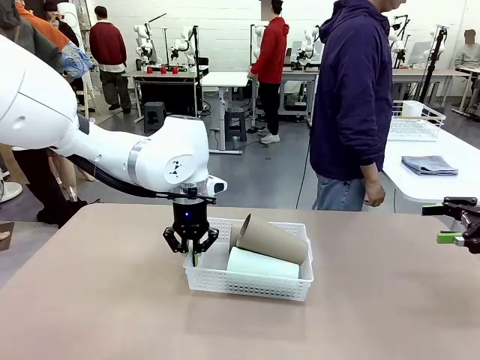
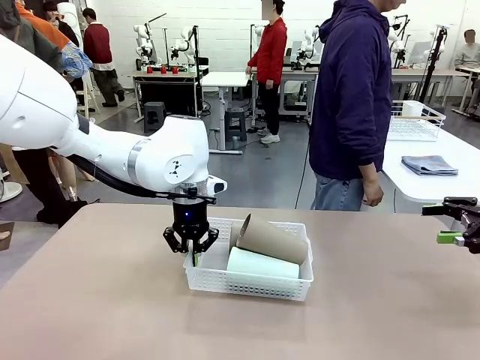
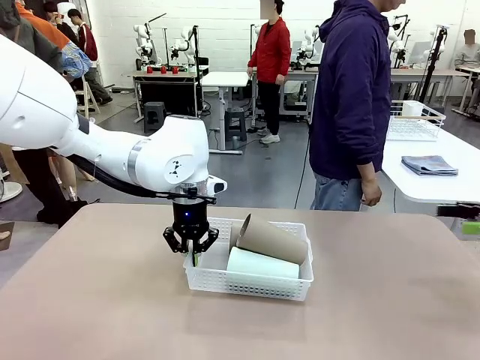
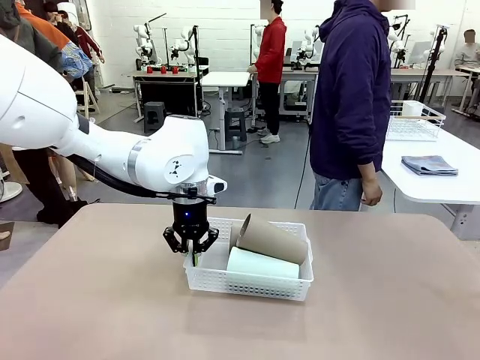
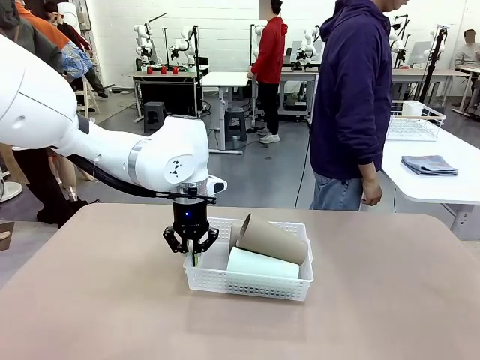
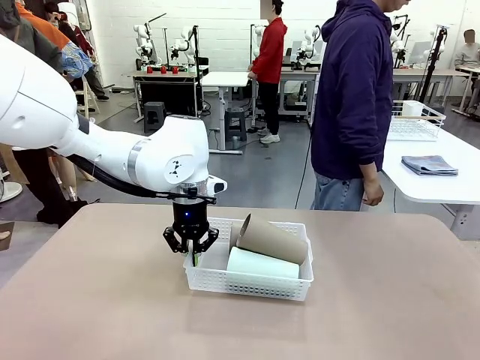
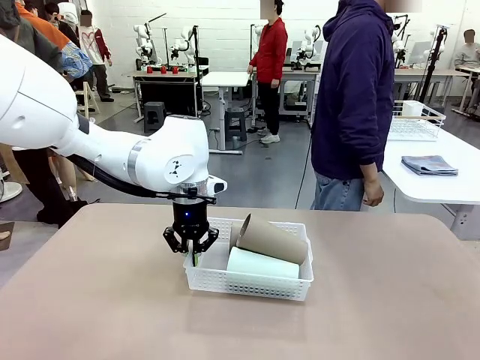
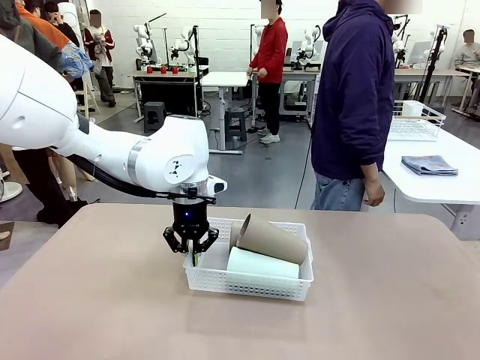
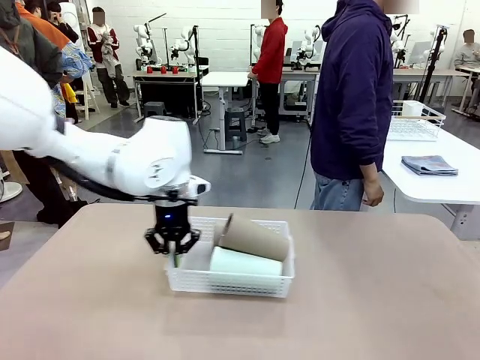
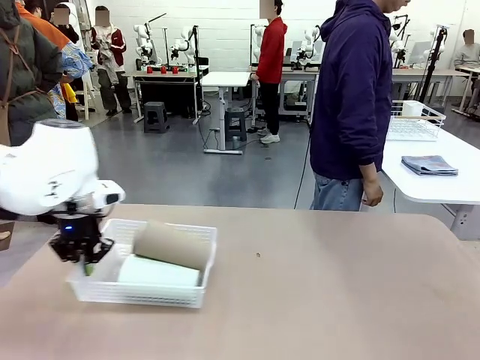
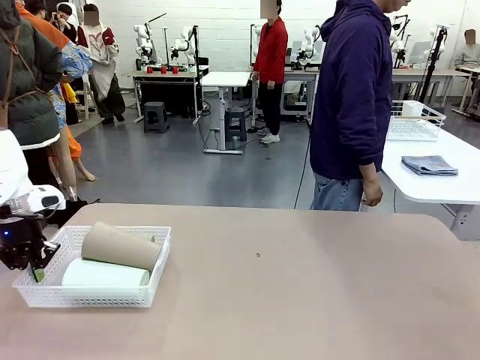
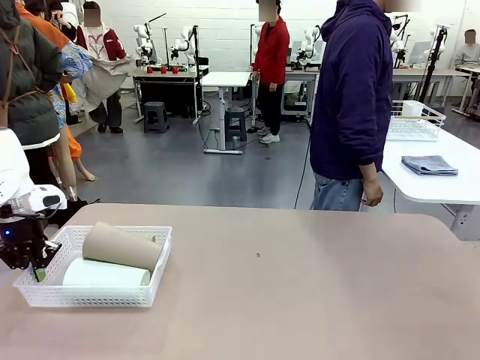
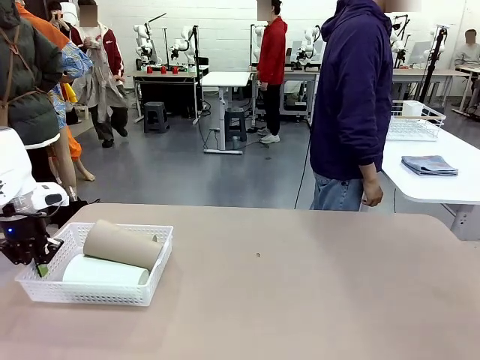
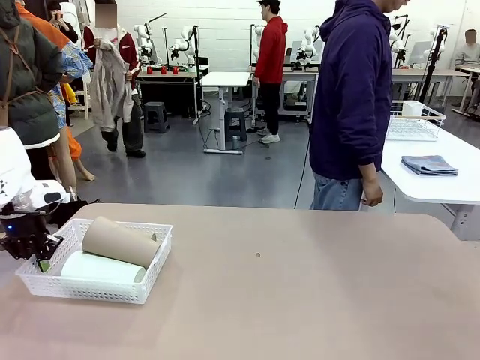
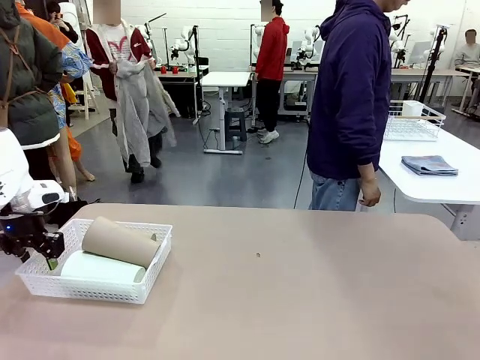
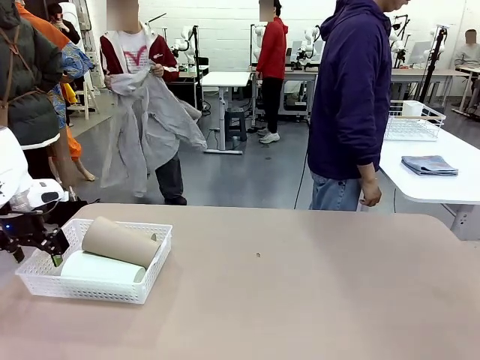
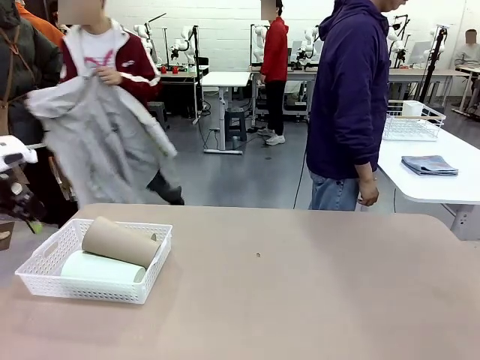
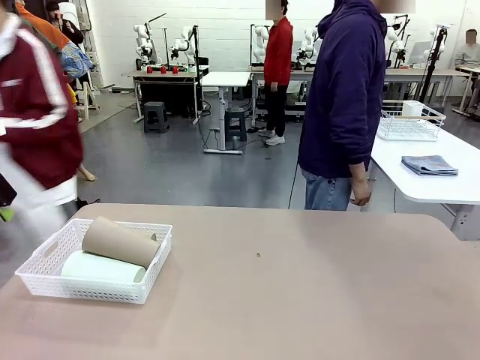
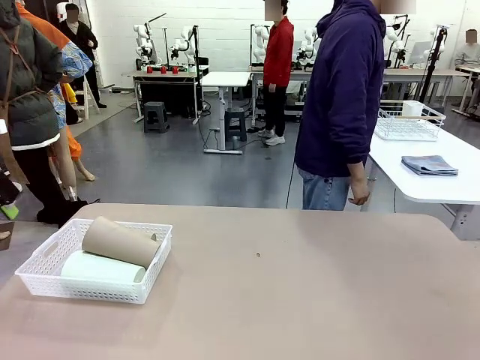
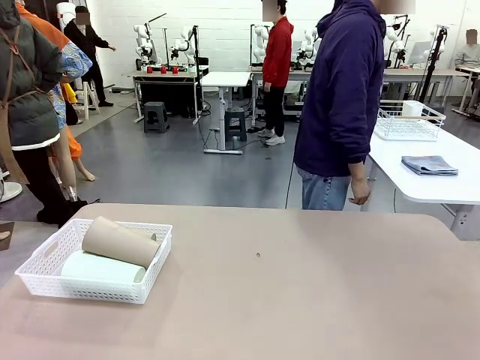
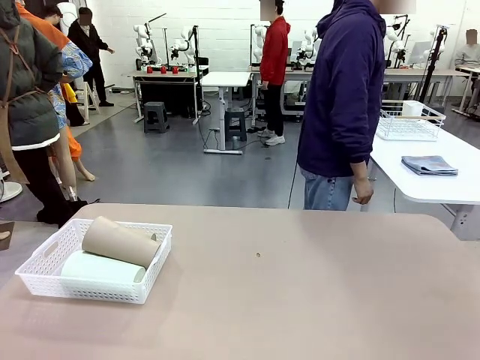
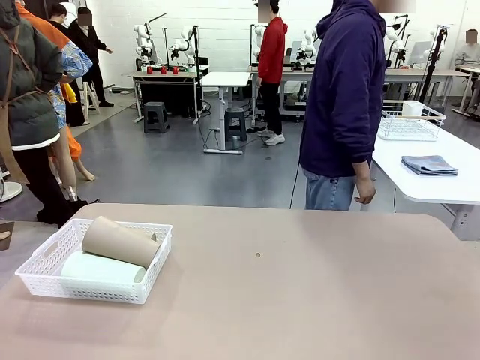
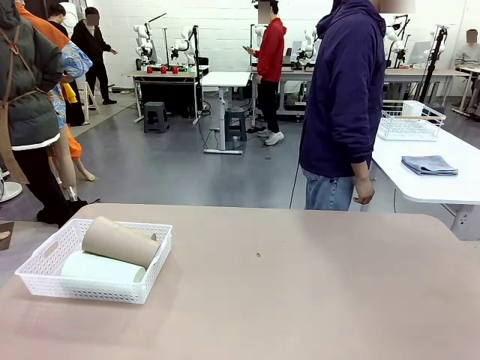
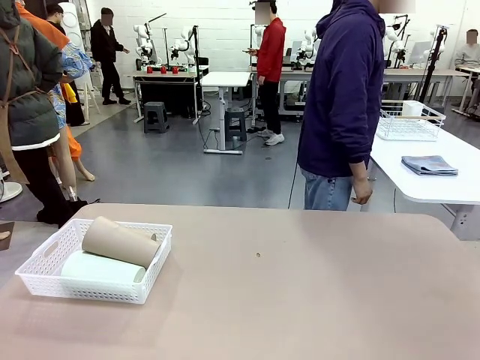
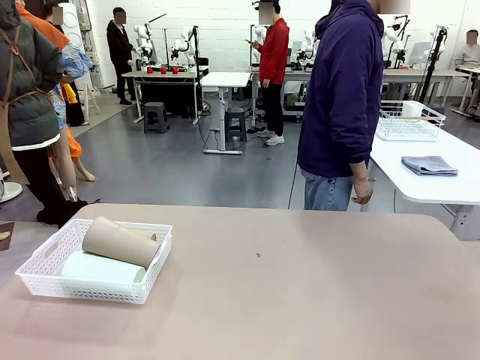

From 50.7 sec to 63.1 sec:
Task: Clean and organize the cups into the basket.
Robot: Move the Organizing basket back to the left side of the table.
Person: Folds the towel in half twice and places it in the right of the table.

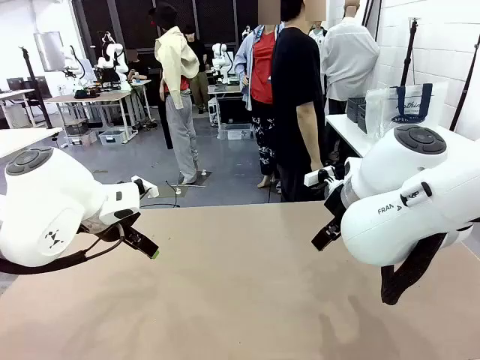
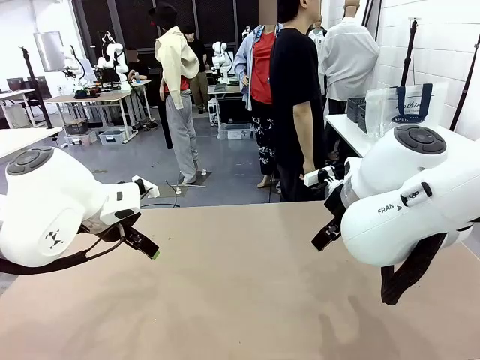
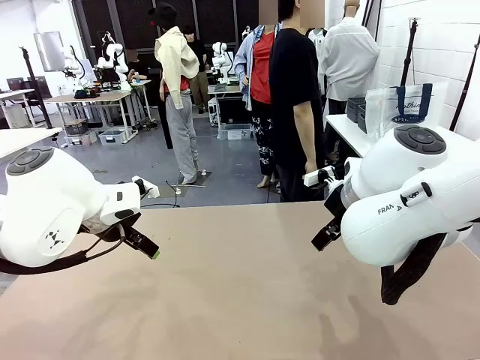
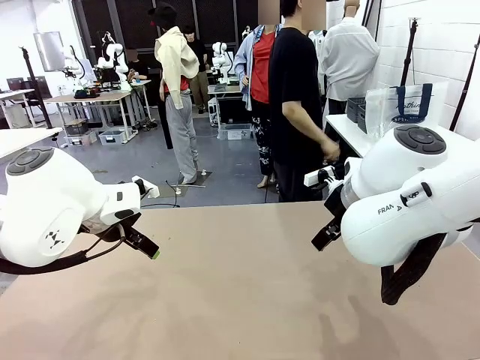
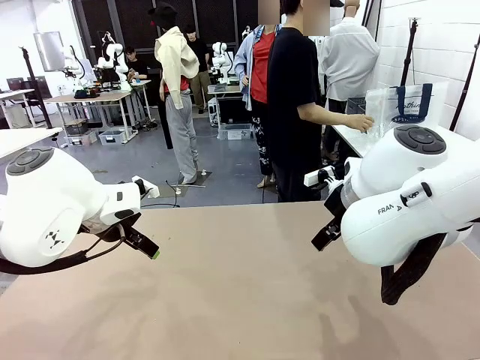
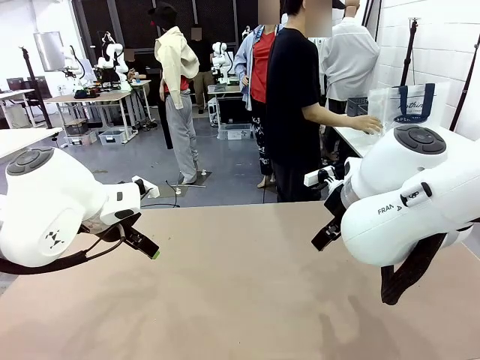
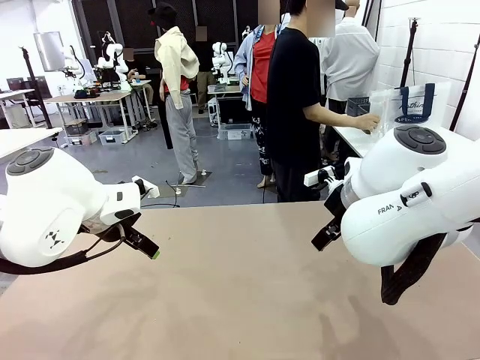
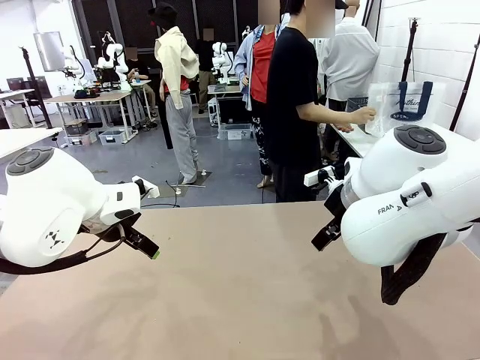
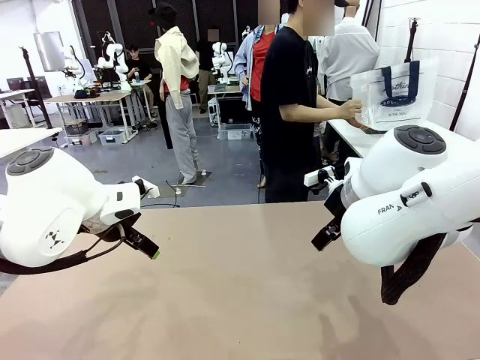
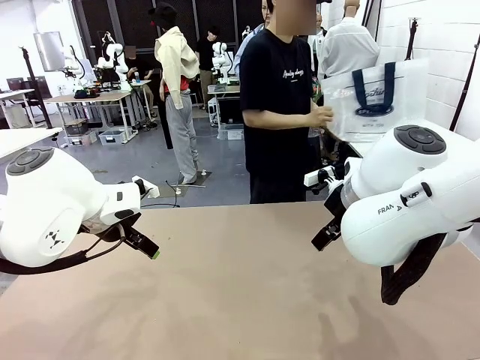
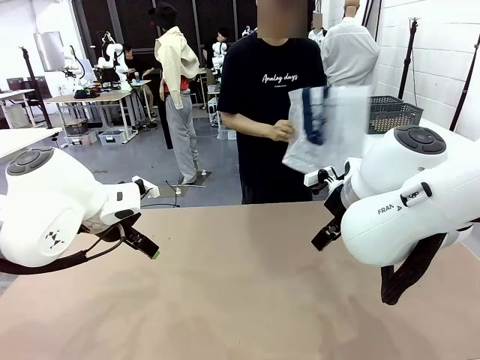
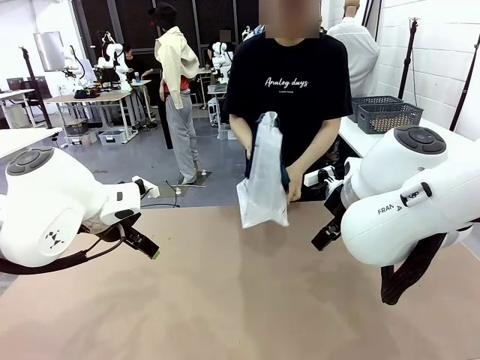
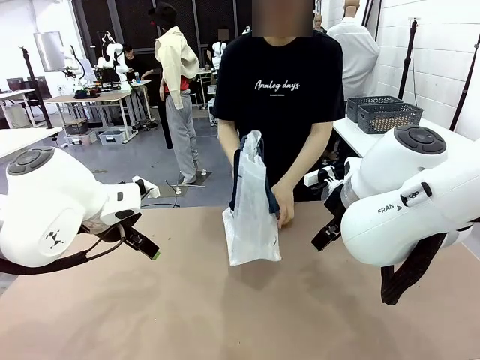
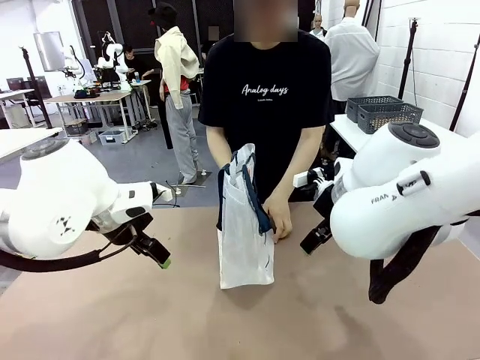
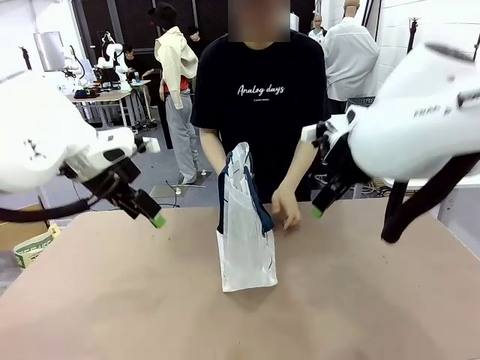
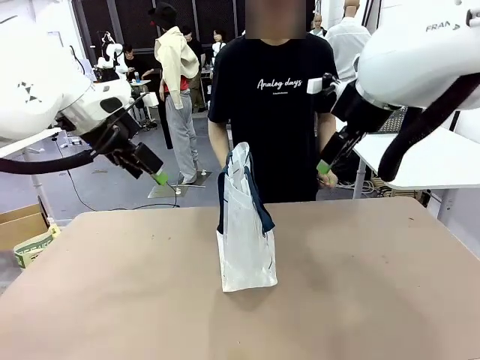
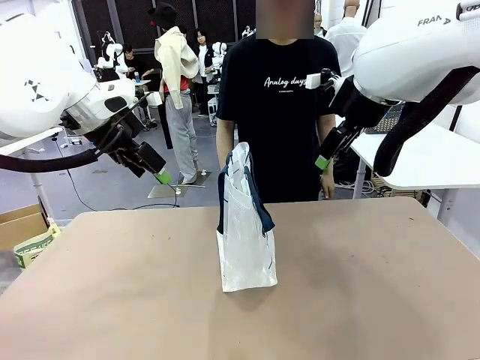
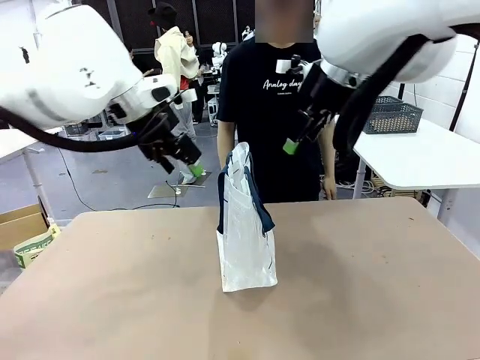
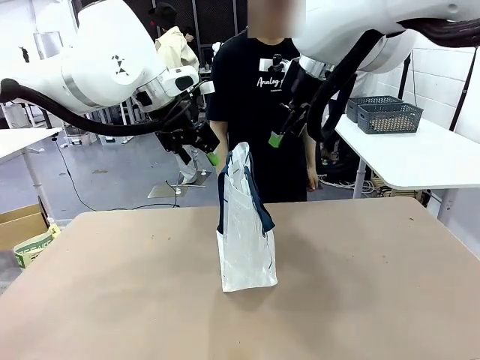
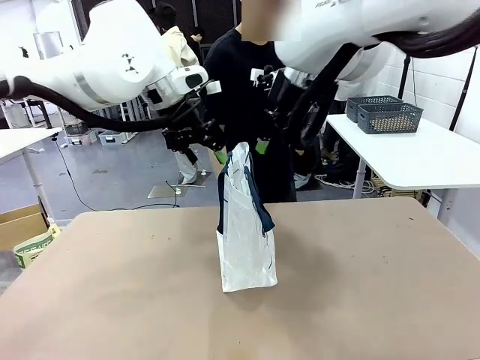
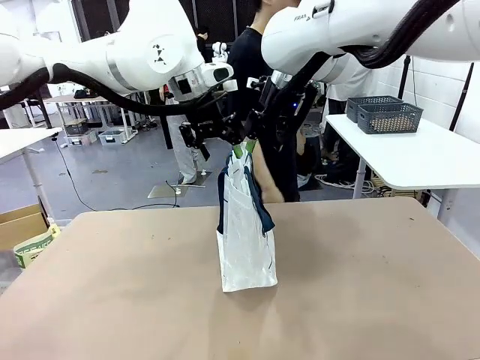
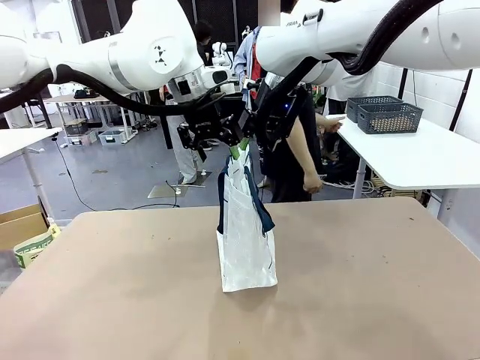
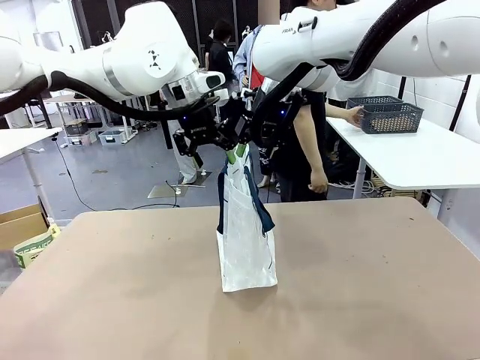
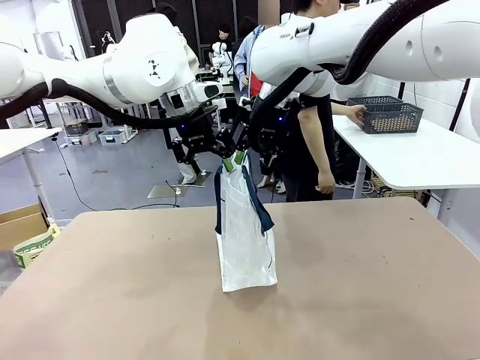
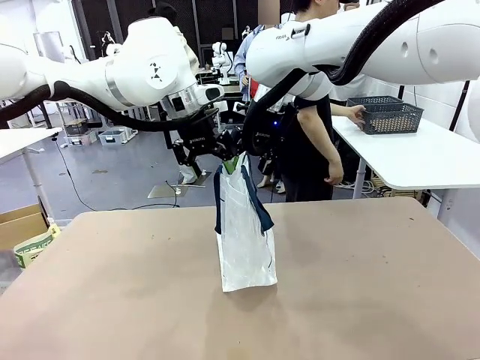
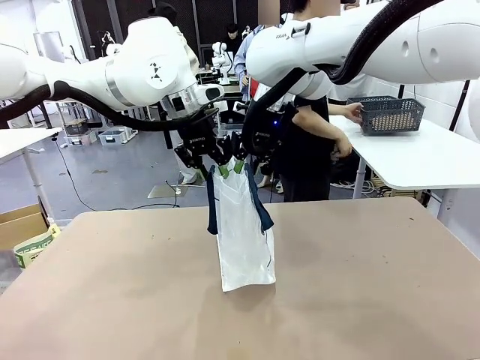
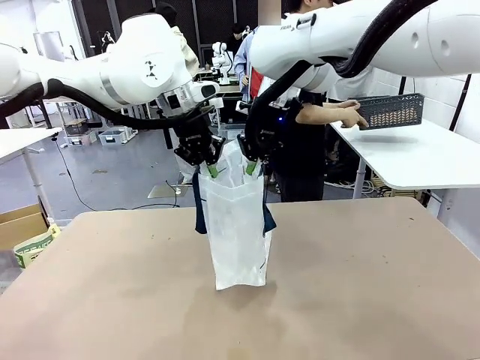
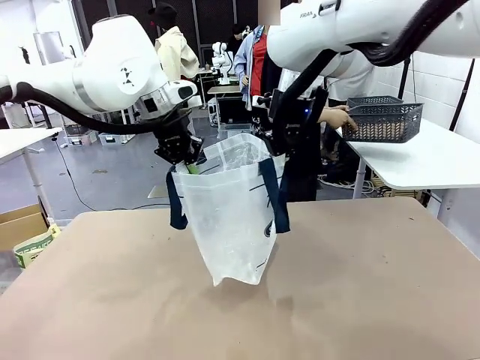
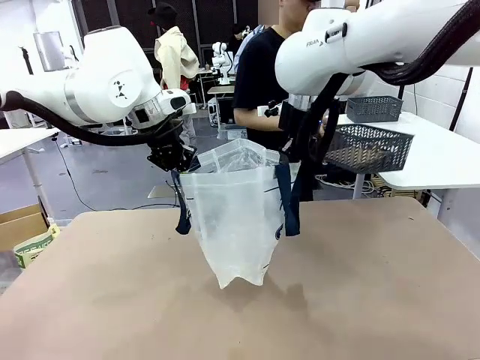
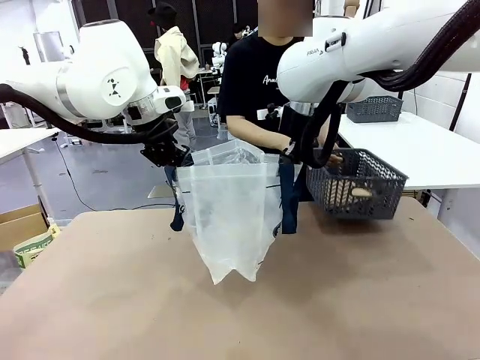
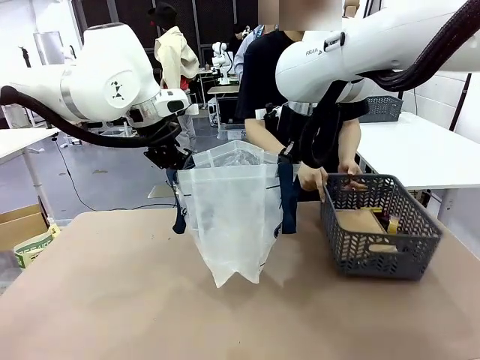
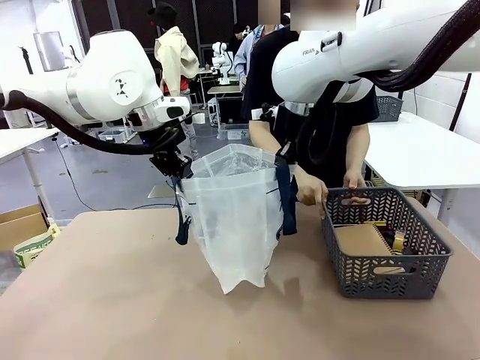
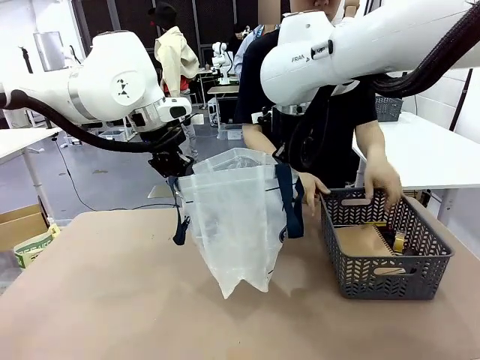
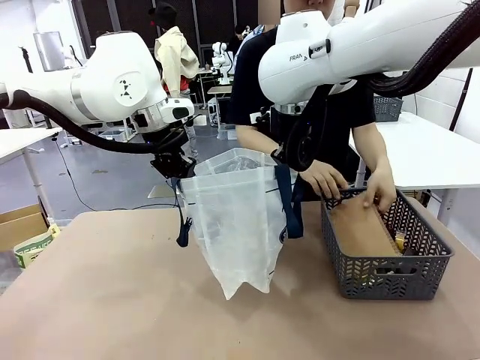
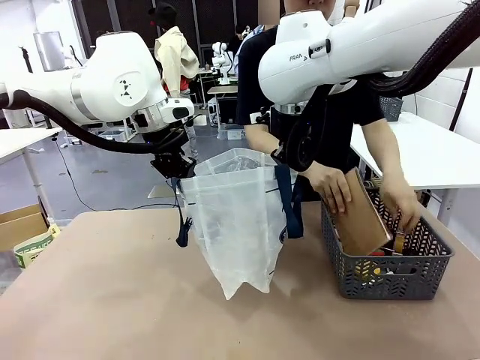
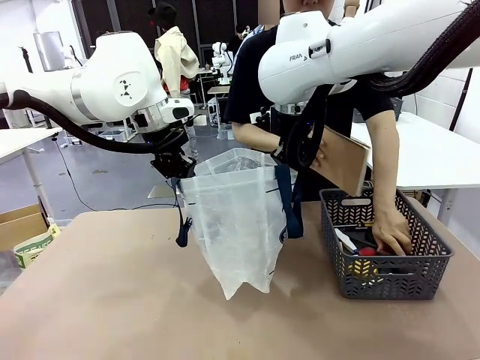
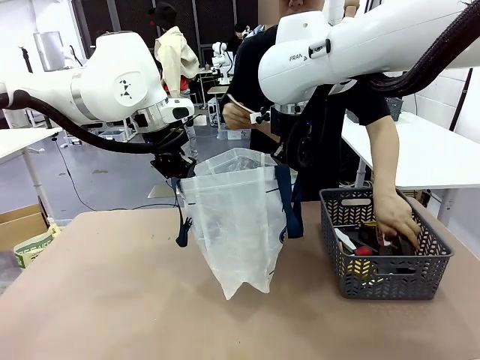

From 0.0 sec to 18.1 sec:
Task: Transfer purchased items from the store into the shopping bag.
Robot: Open the Reusable shopping bag in the center of the table.
Person: Pick up the shopping bag and place it in the middle of the robot table.
